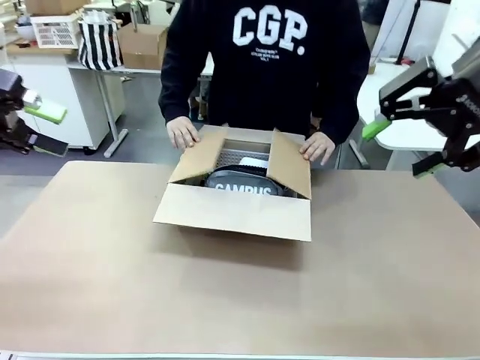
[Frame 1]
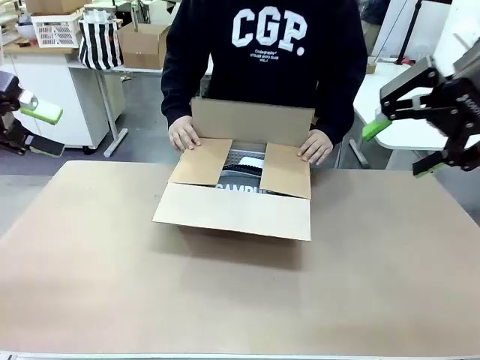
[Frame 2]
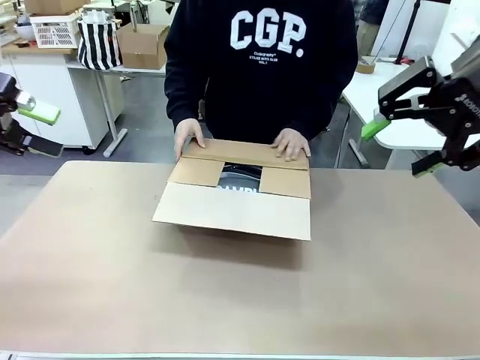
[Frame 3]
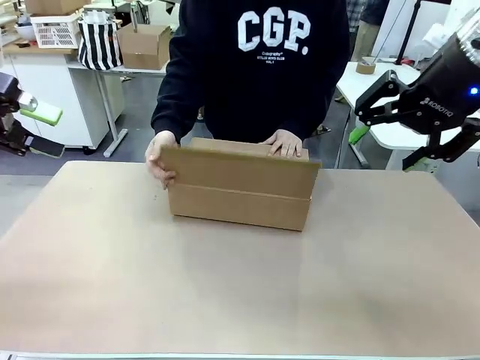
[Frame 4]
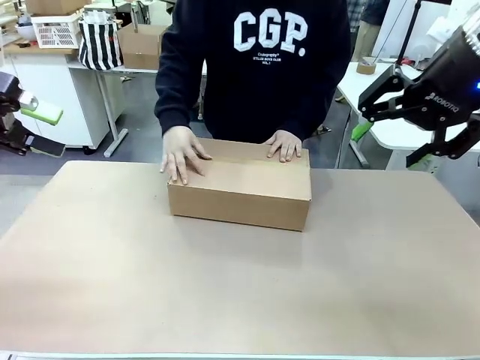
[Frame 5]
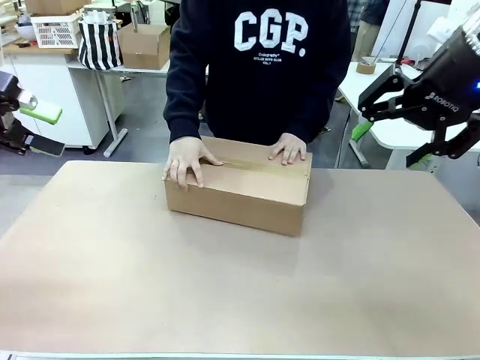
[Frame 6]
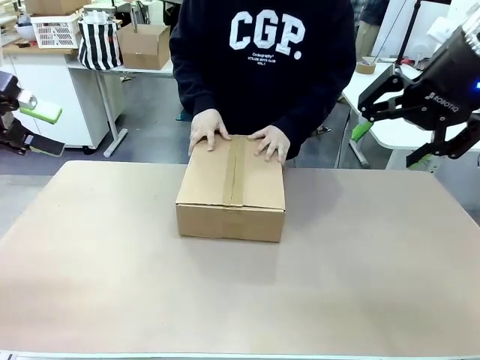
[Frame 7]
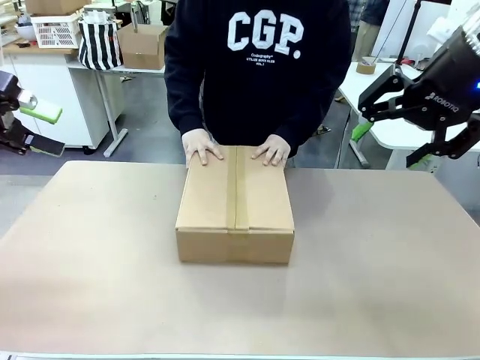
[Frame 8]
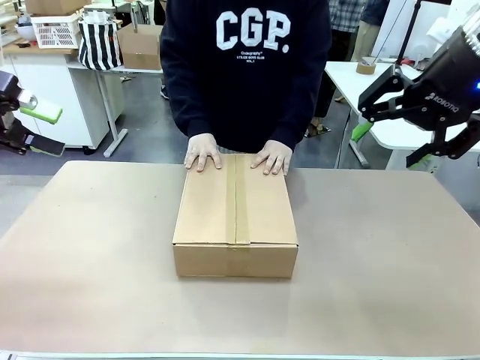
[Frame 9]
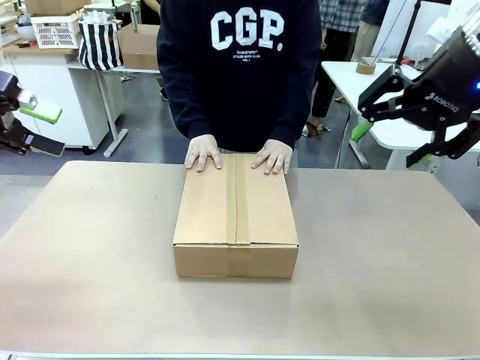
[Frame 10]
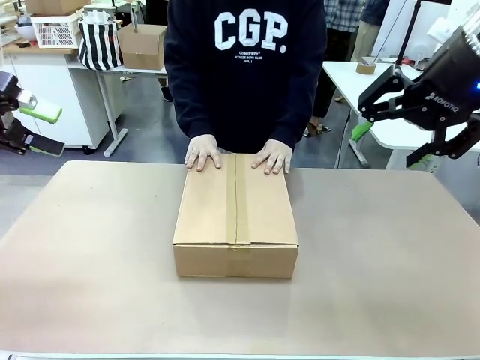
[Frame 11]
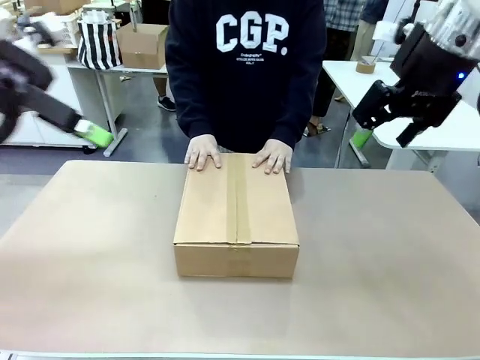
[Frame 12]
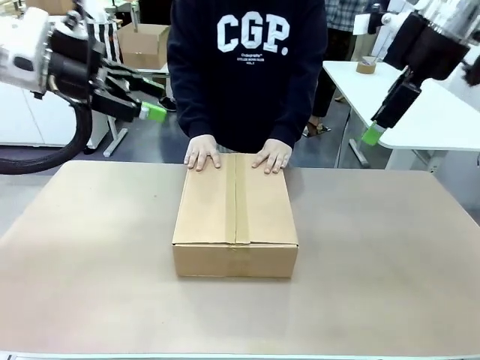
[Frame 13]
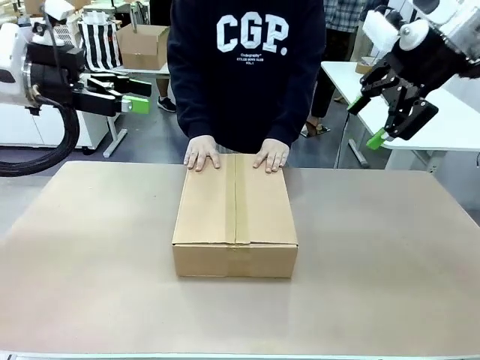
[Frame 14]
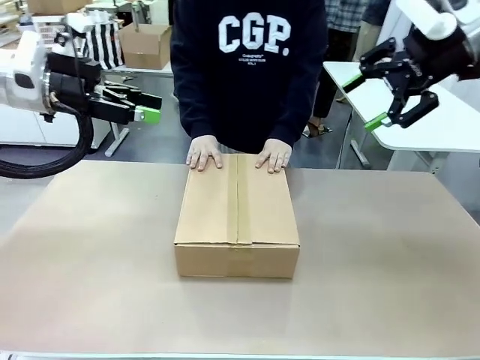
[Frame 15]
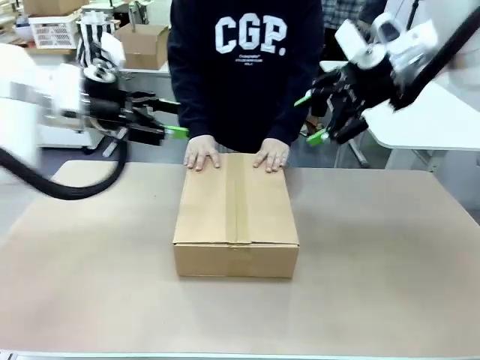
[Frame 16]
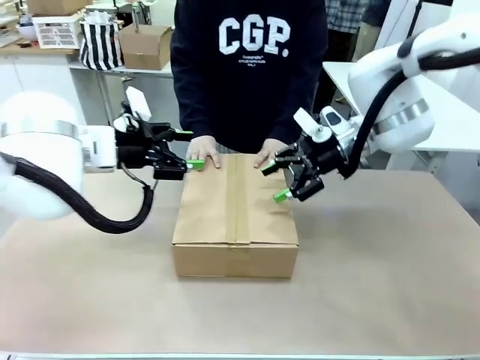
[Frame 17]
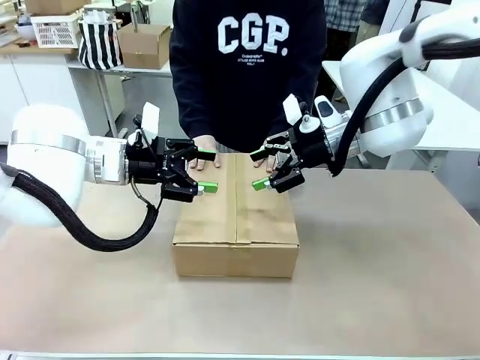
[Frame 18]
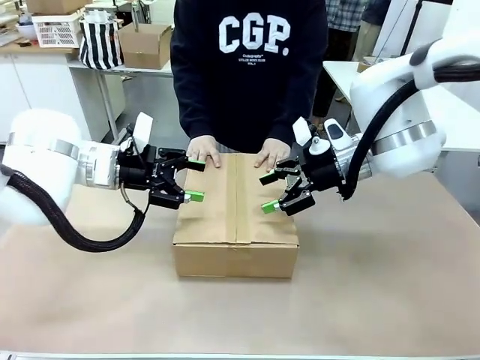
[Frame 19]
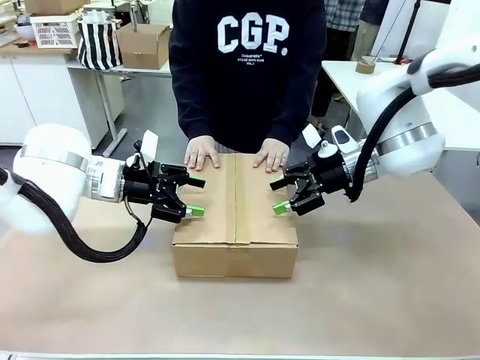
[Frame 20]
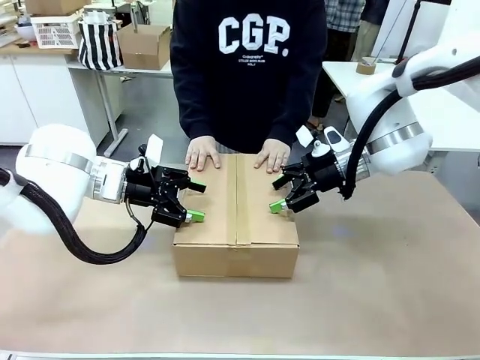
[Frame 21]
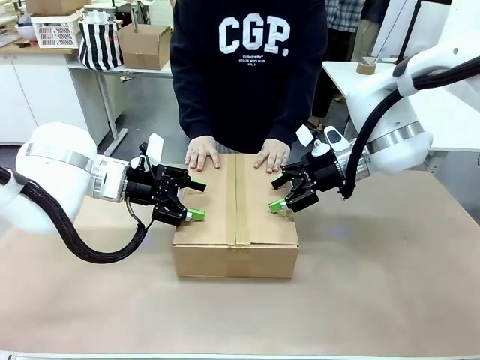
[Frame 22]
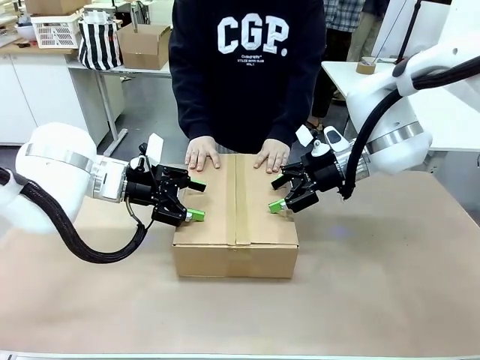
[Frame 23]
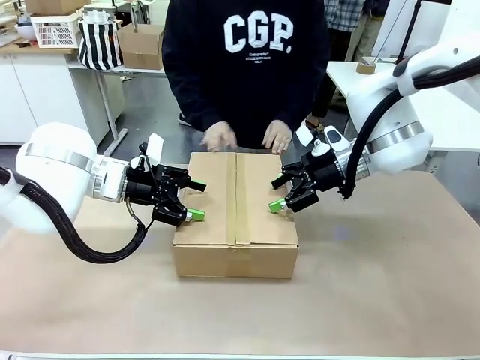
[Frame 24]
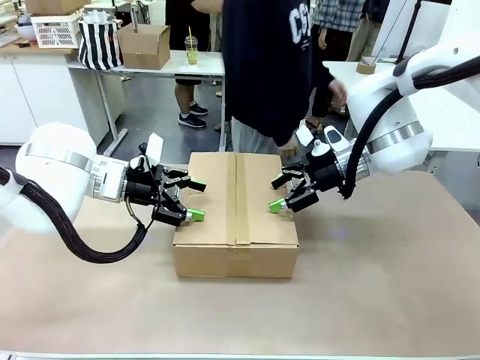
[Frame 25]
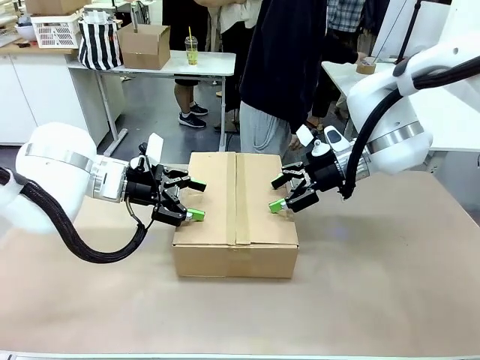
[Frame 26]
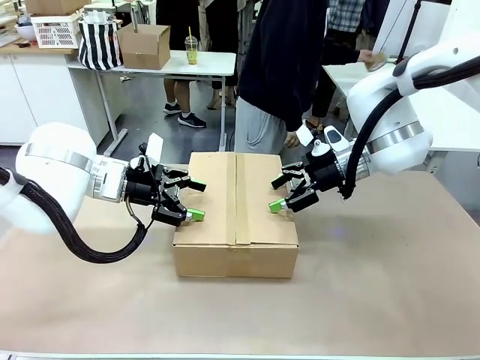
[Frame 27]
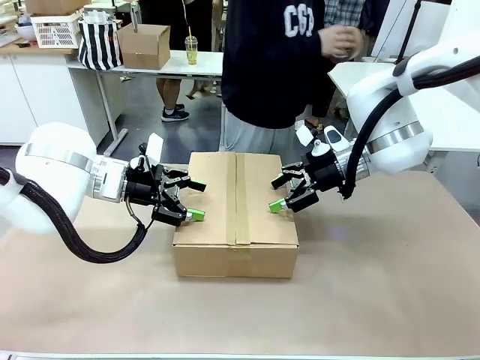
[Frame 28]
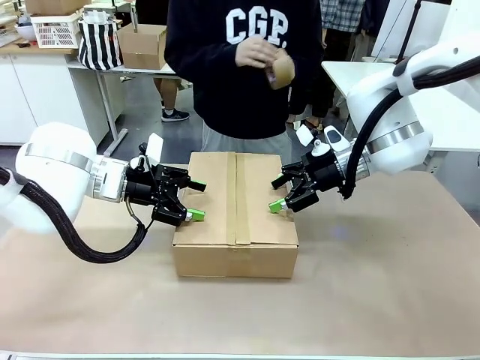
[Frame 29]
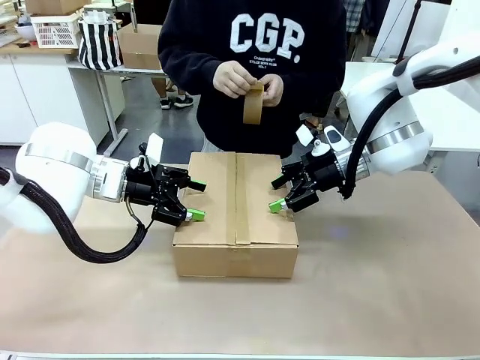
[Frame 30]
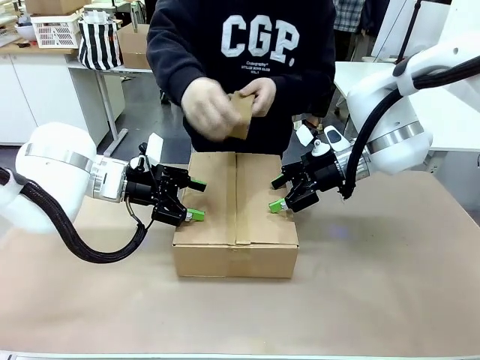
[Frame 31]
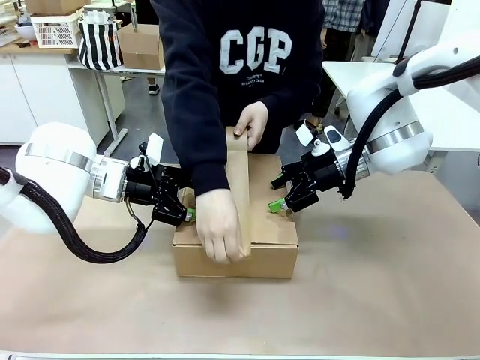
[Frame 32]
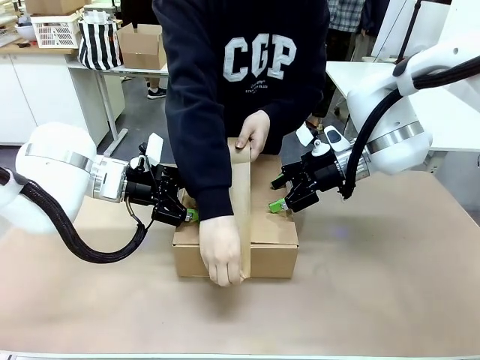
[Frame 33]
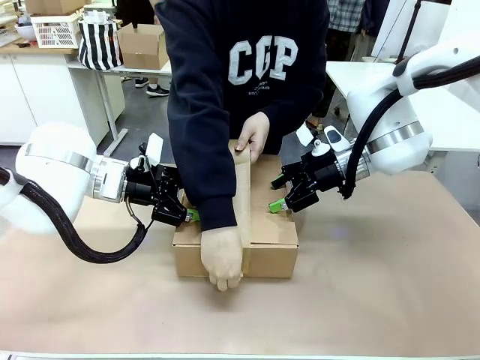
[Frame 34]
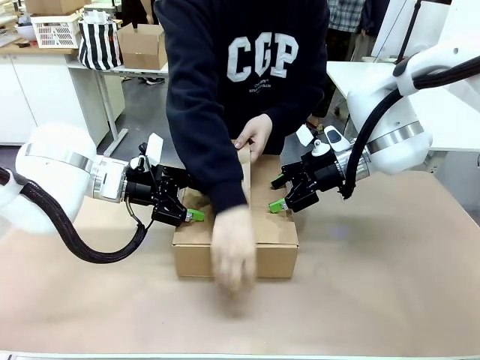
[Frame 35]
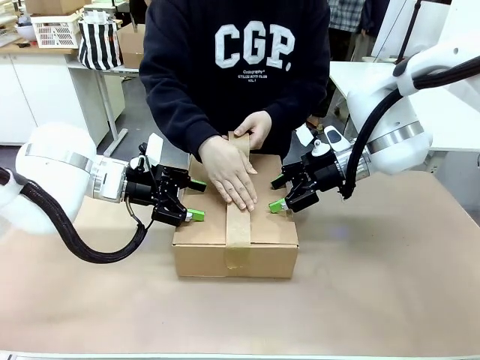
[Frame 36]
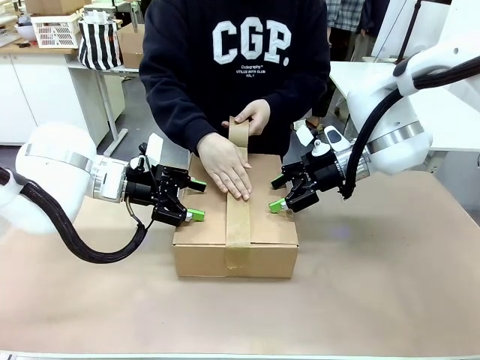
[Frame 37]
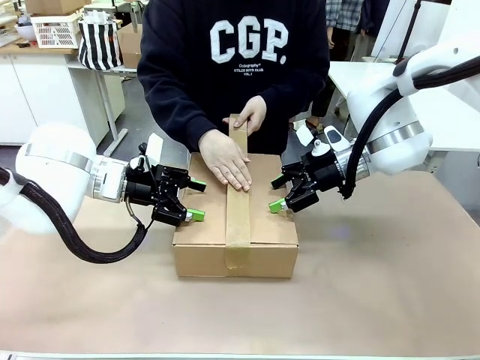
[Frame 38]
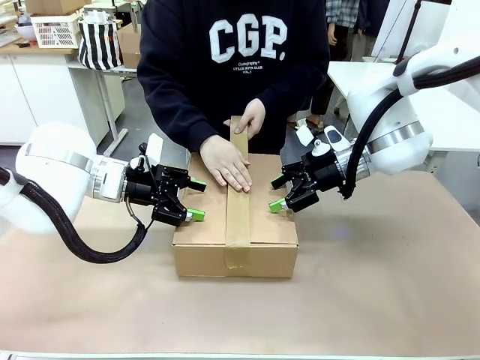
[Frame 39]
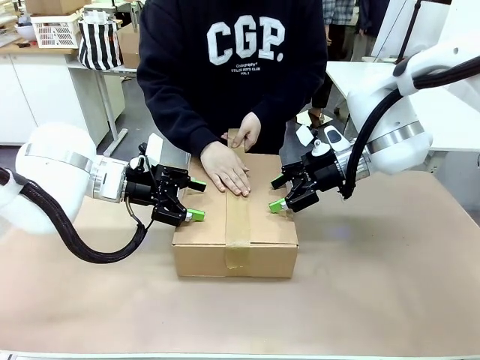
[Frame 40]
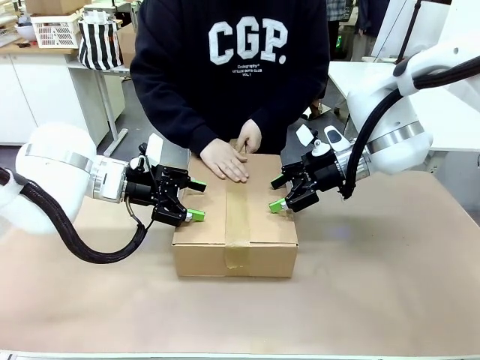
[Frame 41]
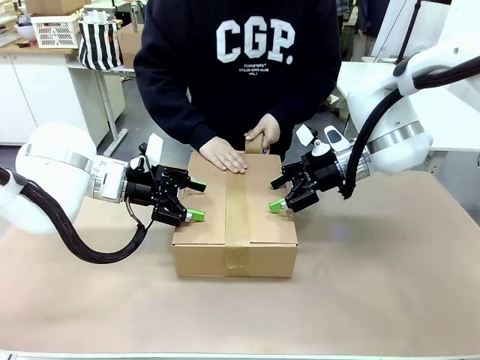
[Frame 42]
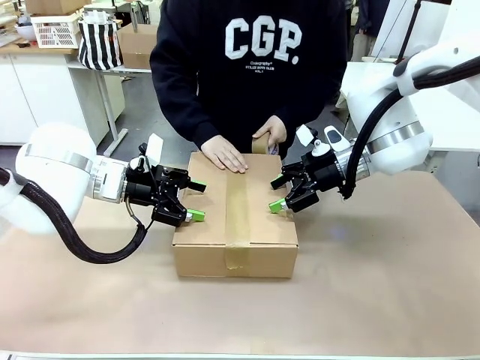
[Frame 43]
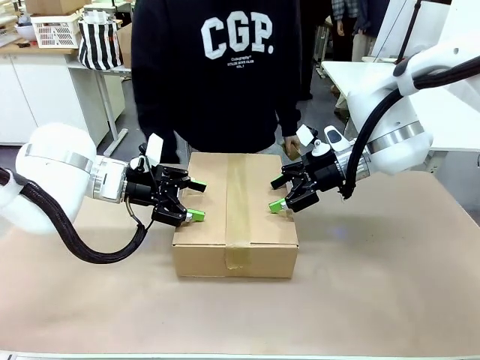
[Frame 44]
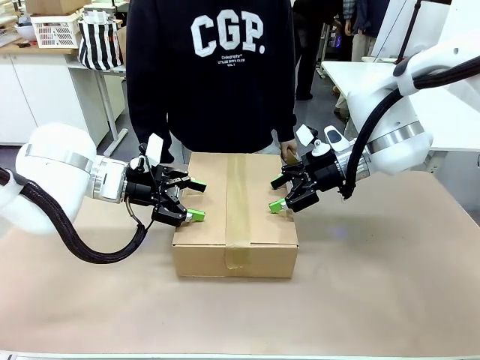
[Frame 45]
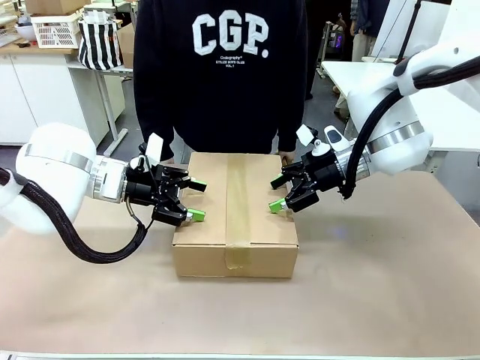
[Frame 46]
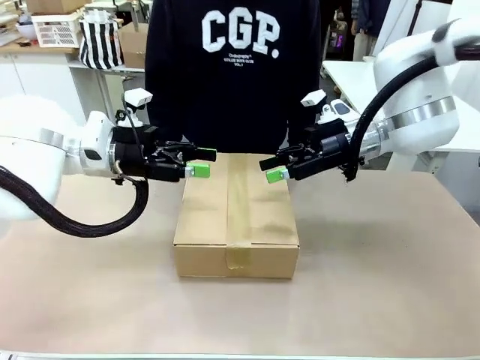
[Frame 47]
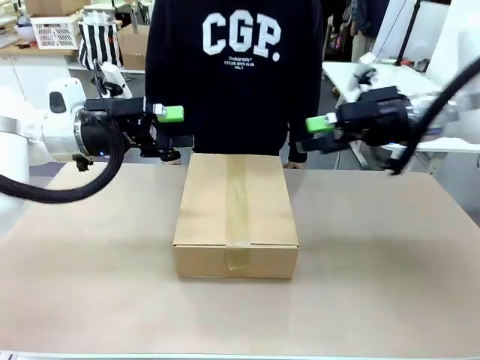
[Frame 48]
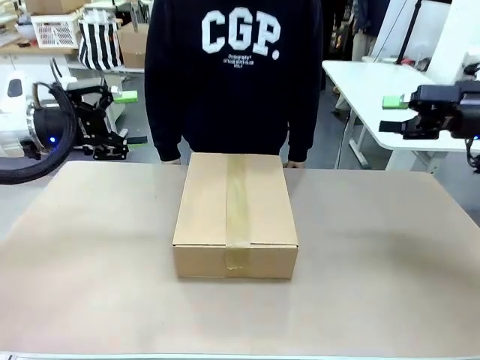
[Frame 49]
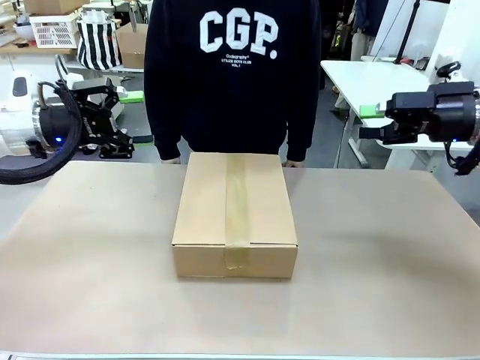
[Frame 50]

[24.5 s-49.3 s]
Task: Pack the gift set into the box.
Robot: Press and hold the closed box until the human finishes sealing it.
Person: The human closes the box and rotates the box by 90 degrees. The human picks up the paper tape from the human table and packs the box.
